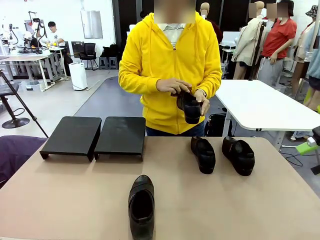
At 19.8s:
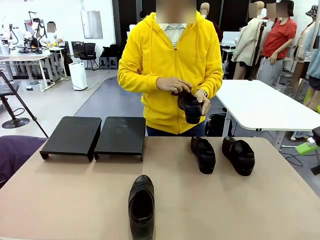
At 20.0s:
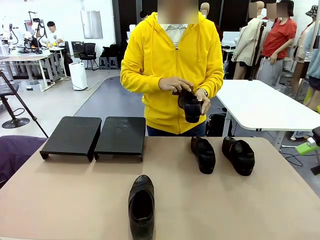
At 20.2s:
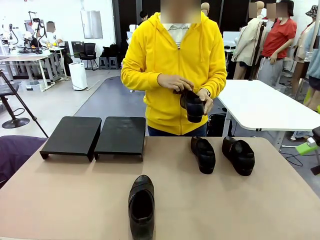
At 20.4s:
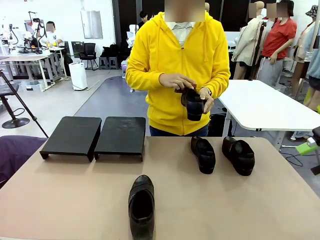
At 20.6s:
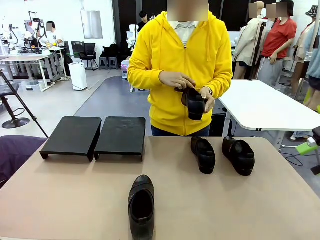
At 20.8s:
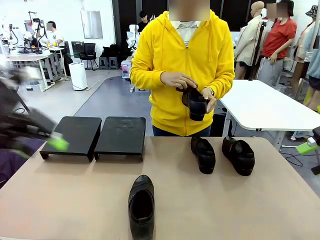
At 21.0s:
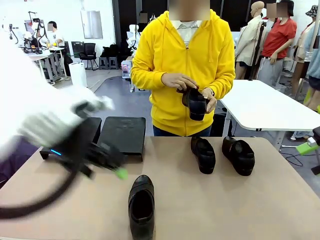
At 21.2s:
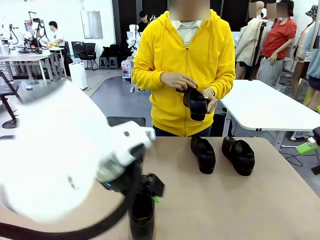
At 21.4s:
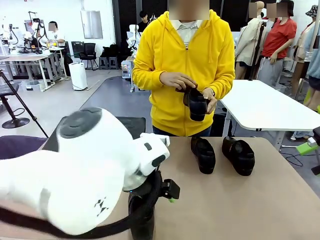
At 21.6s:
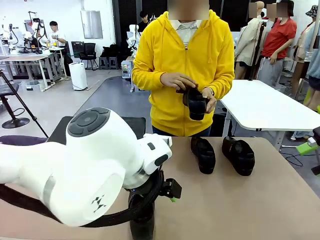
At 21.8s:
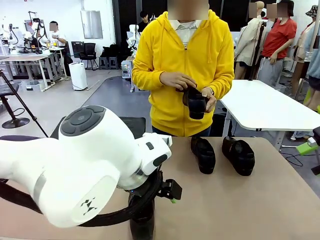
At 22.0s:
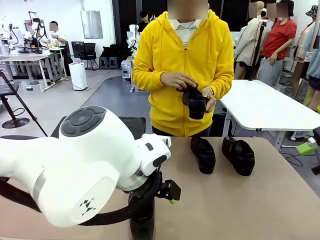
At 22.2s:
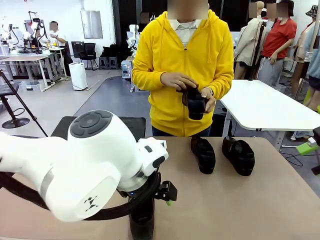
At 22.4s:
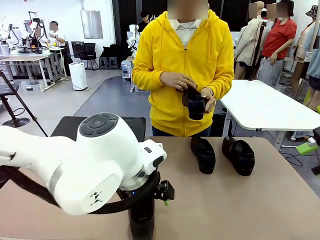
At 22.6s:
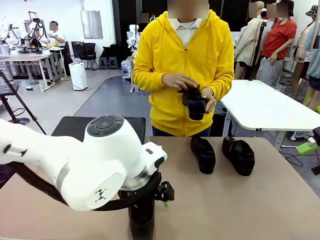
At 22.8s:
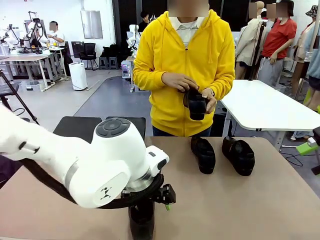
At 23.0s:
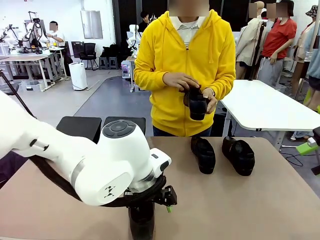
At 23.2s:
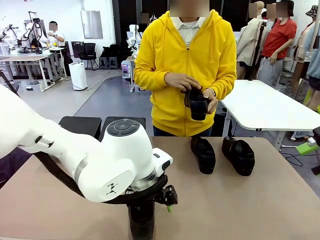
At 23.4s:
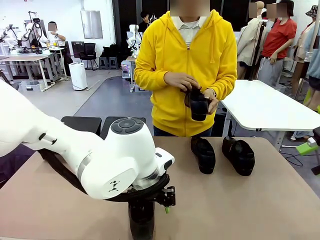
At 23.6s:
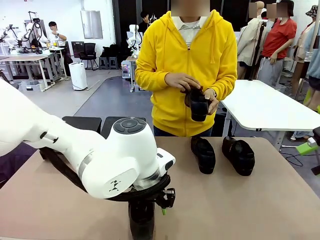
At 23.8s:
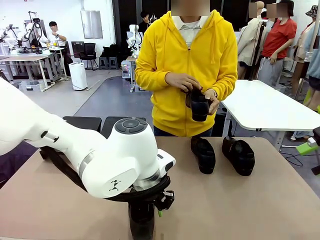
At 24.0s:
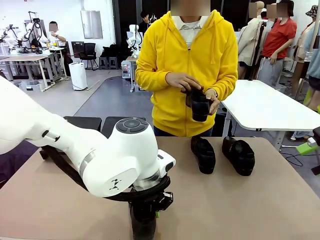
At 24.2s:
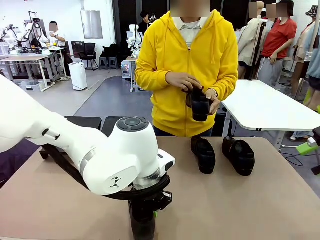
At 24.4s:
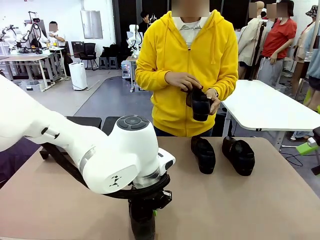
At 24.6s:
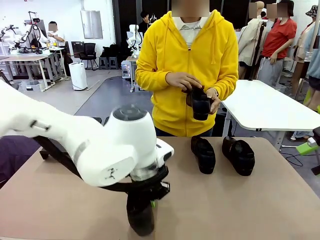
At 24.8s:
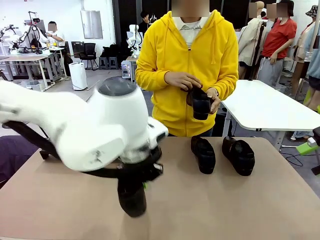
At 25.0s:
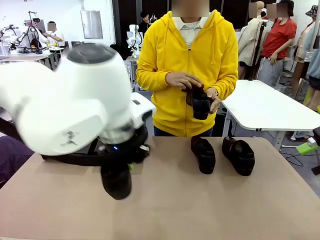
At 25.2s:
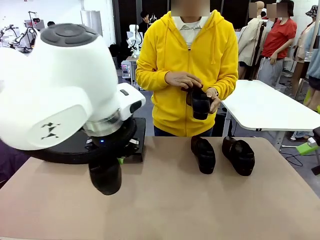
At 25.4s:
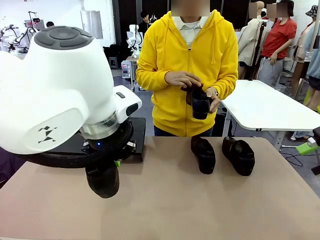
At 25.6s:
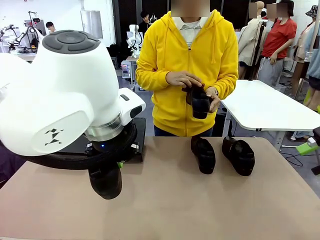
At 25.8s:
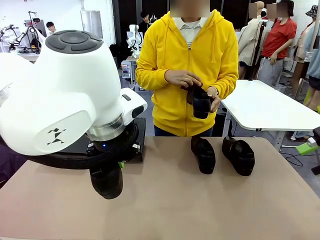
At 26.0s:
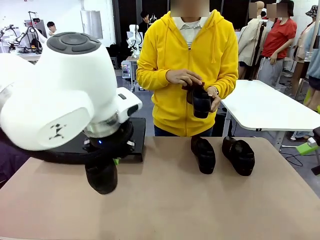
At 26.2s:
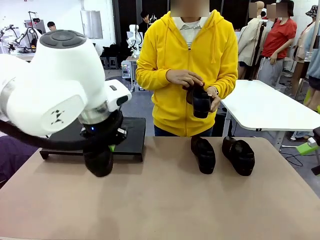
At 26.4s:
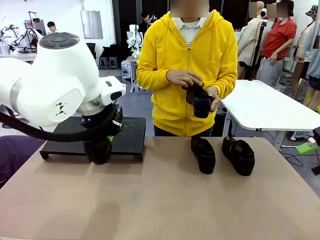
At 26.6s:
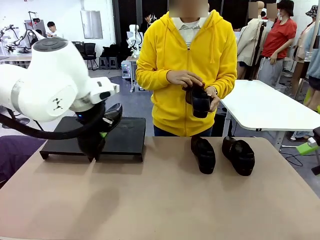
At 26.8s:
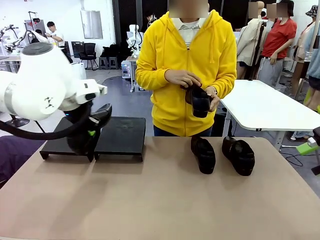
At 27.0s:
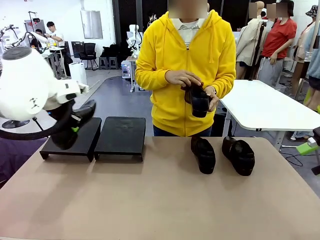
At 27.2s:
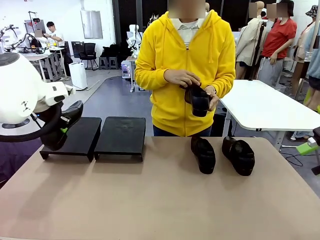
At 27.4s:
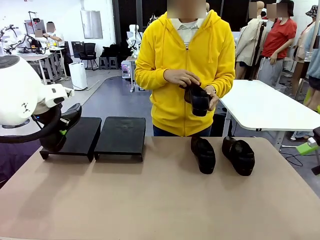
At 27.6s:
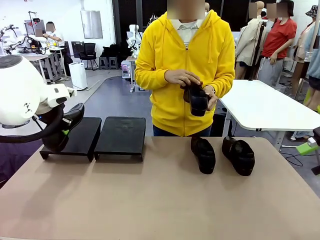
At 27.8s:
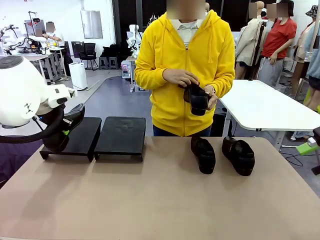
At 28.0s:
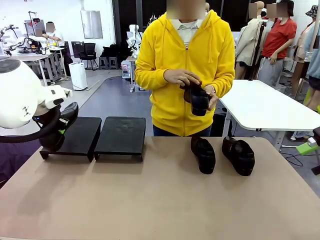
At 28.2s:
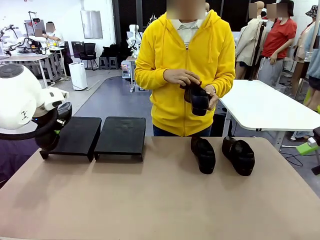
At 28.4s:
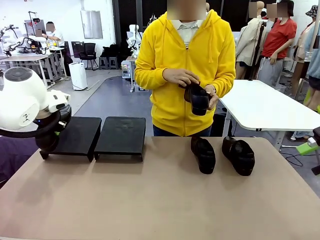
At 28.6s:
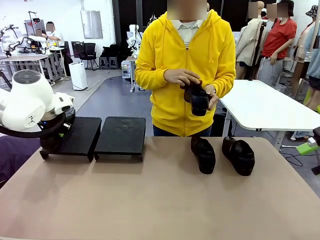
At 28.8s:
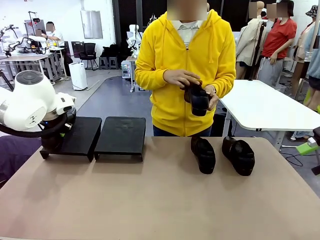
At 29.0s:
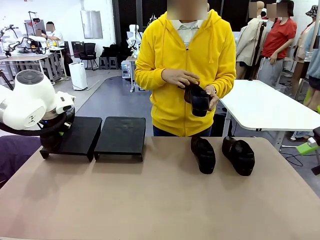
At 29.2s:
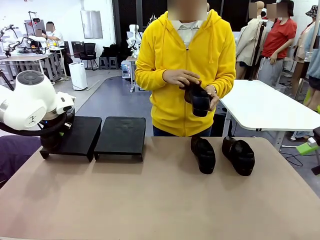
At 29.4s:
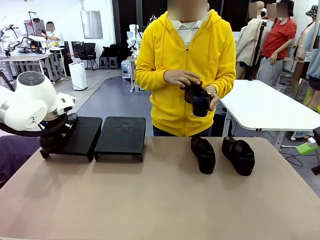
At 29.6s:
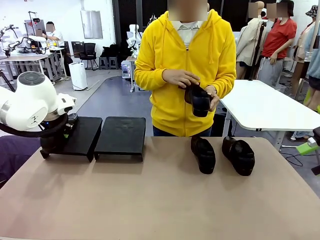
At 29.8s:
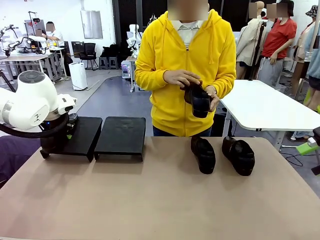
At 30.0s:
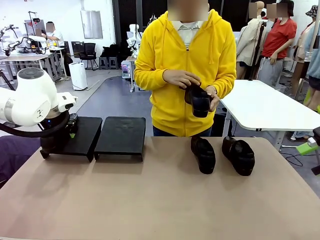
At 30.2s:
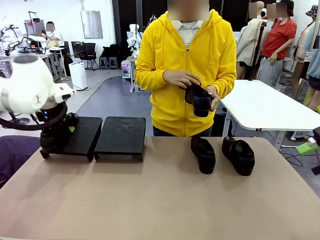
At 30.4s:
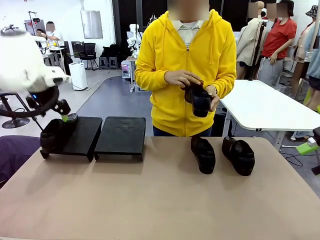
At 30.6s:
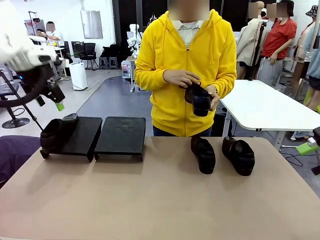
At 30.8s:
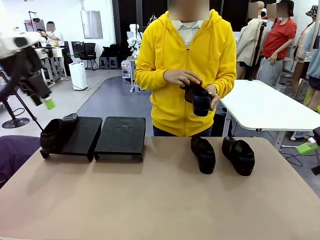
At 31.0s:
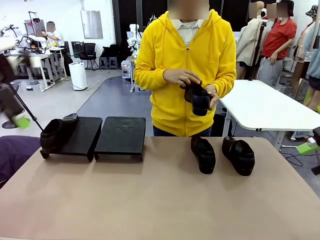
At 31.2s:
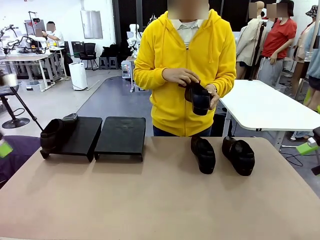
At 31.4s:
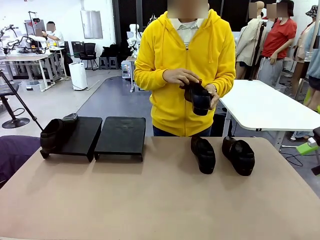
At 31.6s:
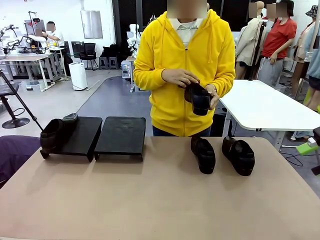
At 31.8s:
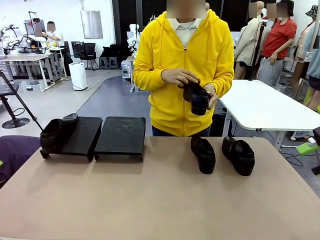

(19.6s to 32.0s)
Task: Organize the shoes by placing them on the stand.
Robot: Place the Shoe from the middle of the table onto the Shoes Stand.
Person: Clean the Shoe with the Shoe Brush.

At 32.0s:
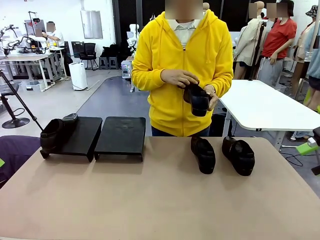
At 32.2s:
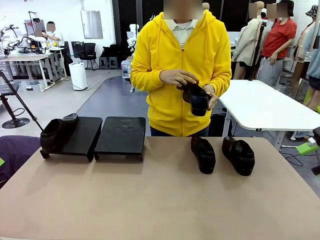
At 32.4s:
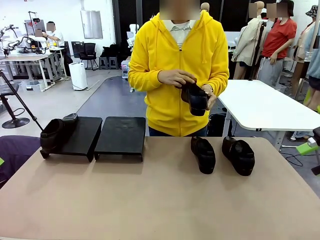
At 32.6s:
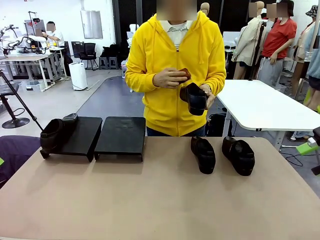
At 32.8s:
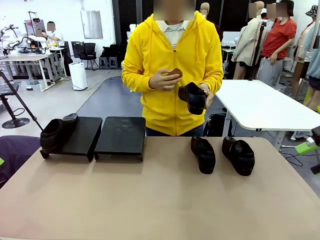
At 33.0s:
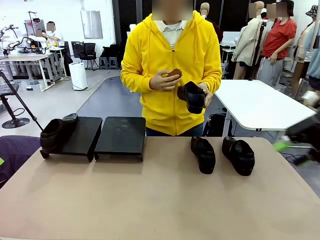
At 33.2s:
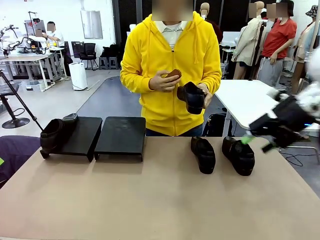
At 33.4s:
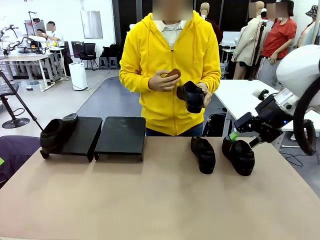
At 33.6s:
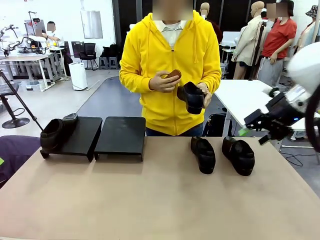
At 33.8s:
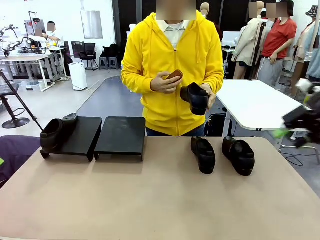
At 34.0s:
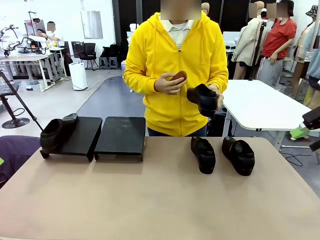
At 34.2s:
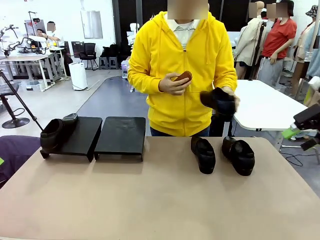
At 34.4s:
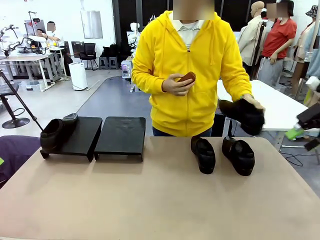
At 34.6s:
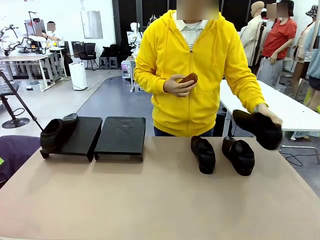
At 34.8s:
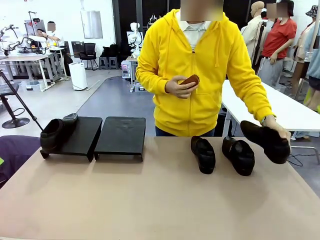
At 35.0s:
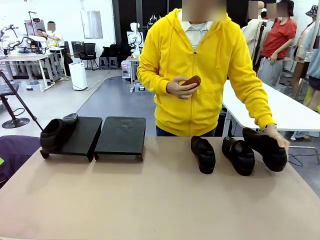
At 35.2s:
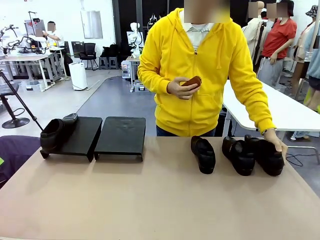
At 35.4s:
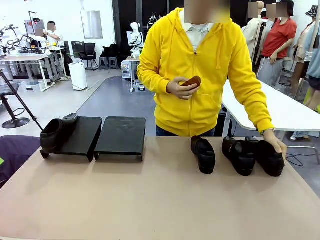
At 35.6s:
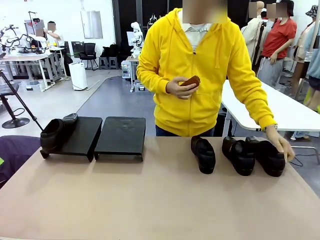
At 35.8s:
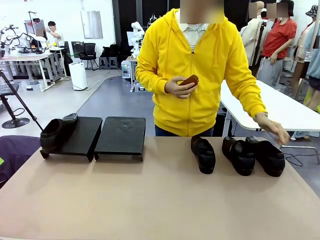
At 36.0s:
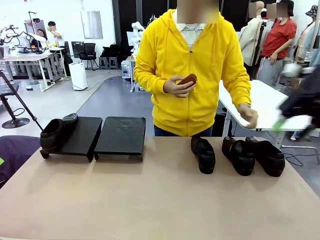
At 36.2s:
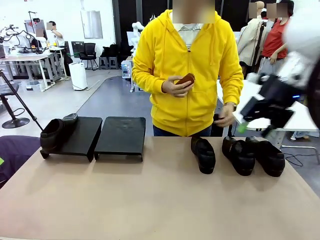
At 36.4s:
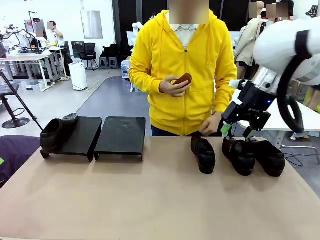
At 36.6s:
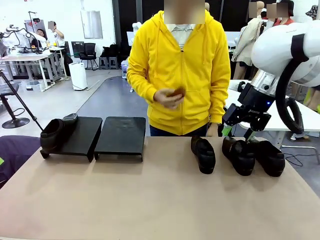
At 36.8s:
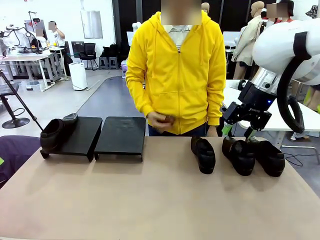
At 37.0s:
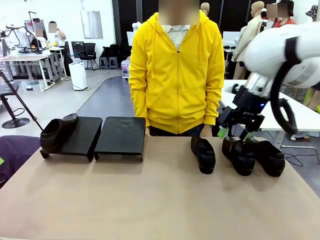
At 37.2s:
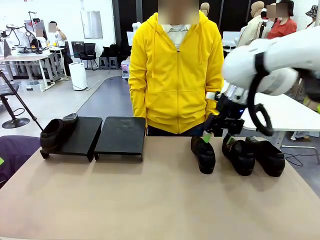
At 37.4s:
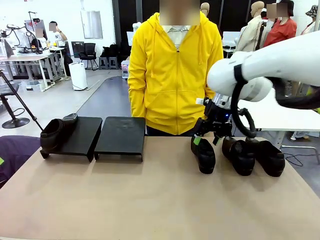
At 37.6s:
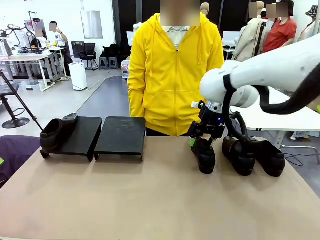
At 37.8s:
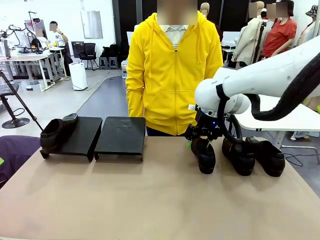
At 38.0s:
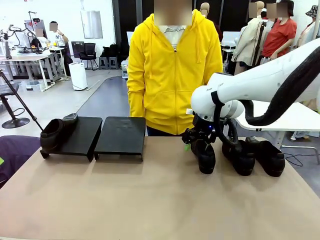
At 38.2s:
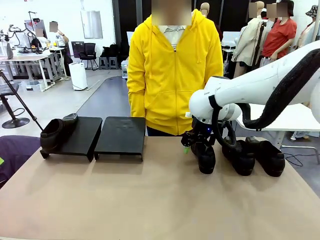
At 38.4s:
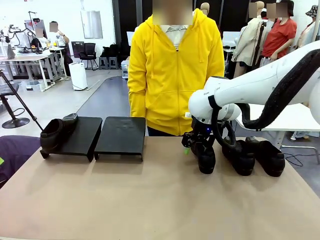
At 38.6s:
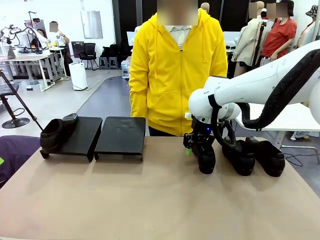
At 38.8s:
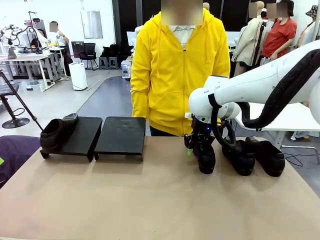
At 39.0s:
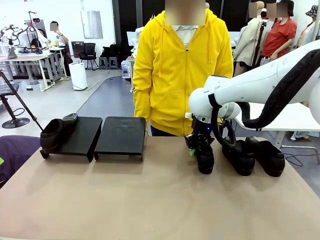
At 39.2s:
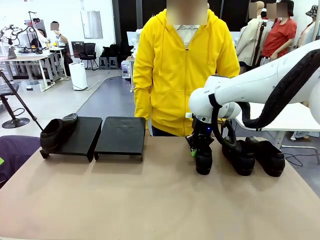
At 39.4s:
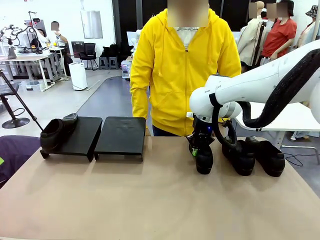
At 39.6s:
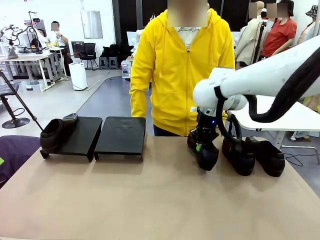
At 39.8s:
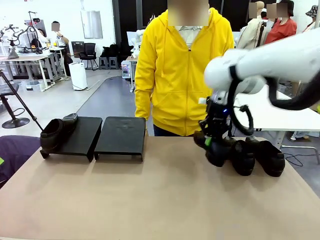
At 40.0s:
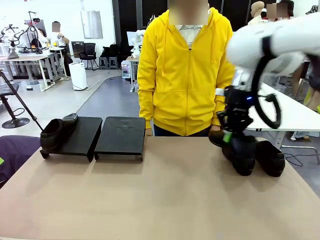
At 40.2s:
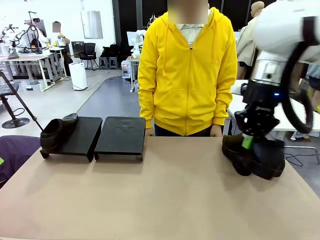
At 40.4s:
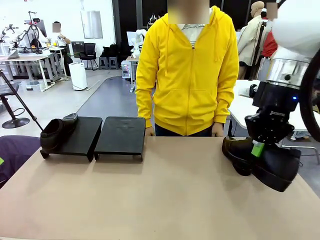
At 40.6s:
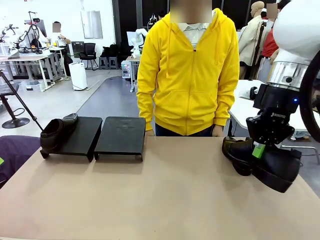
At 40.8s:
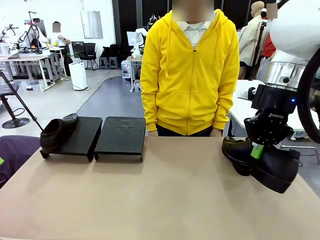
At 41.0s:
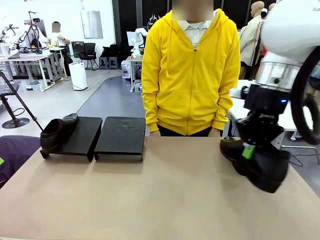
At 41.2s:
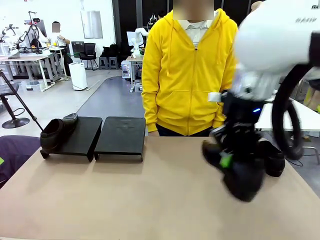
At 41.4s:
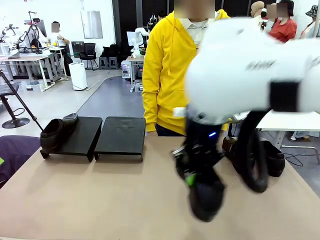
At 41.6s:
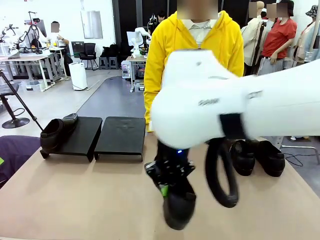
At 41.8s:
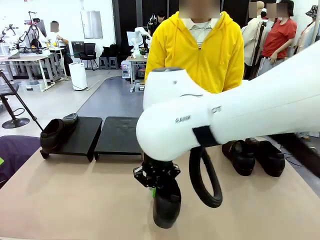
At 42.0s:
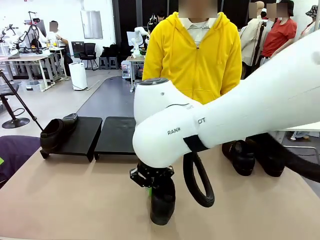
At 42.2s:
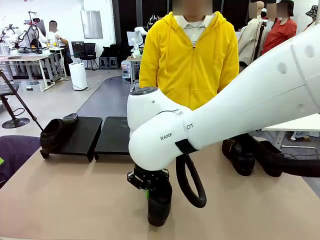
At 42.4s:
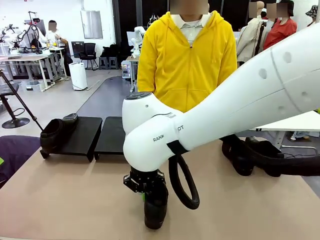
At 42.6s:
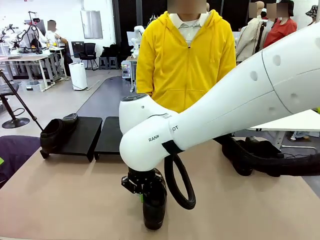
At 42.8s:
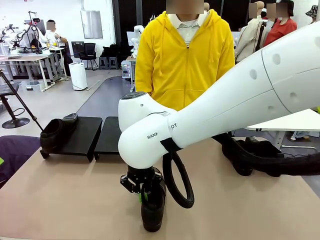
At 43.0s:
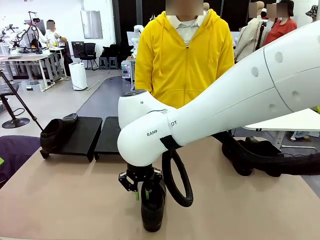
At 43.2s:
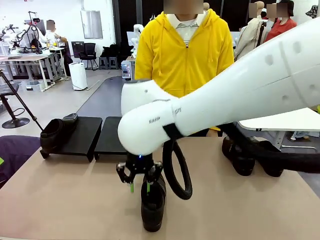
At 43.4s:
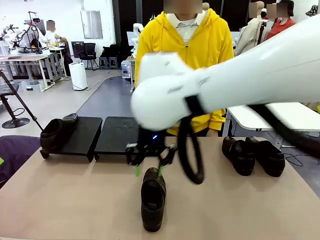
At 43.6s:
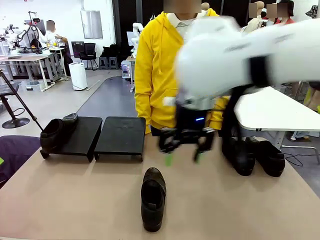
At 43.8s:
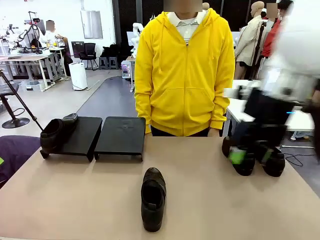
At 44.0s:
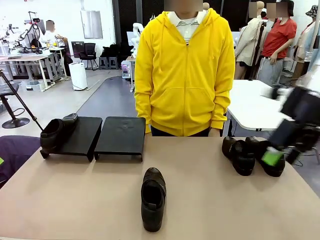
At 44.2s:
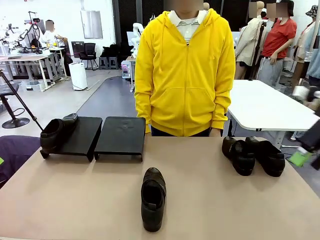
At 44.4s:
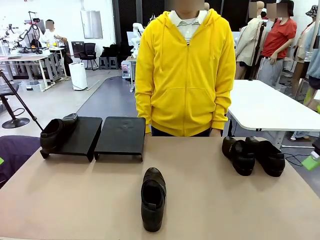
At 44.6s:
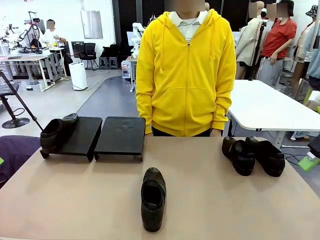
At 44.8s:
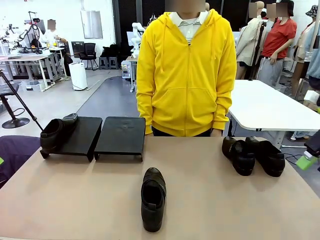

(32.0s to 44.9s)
Robot: Pick up one Shoe and place it in the middle of the table.
